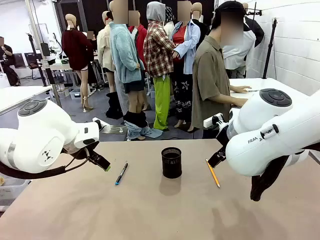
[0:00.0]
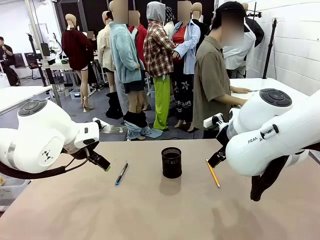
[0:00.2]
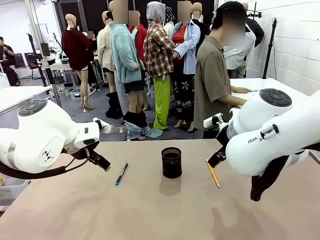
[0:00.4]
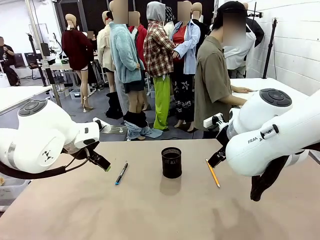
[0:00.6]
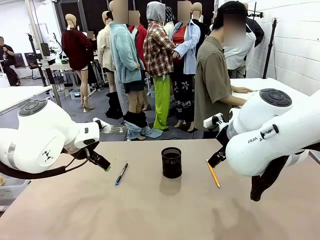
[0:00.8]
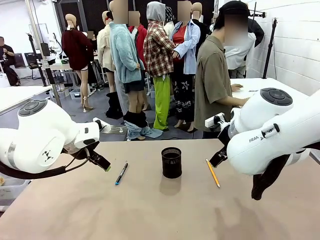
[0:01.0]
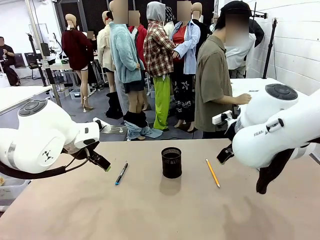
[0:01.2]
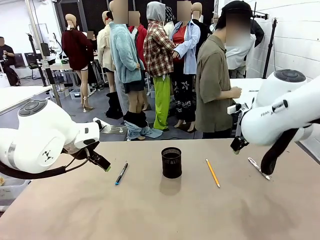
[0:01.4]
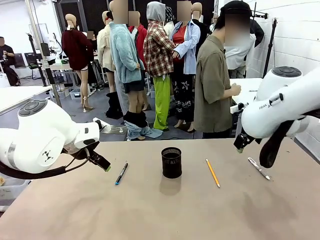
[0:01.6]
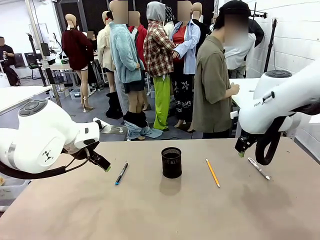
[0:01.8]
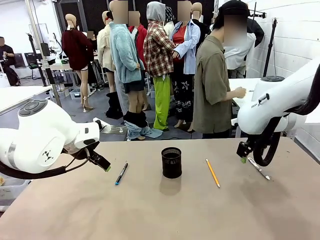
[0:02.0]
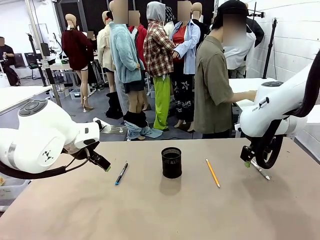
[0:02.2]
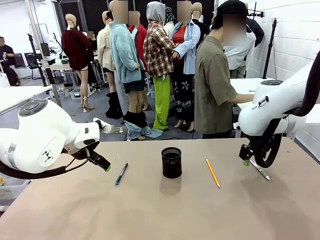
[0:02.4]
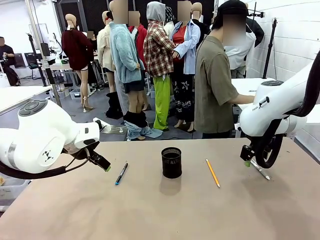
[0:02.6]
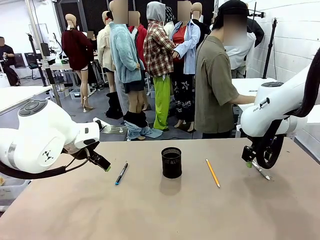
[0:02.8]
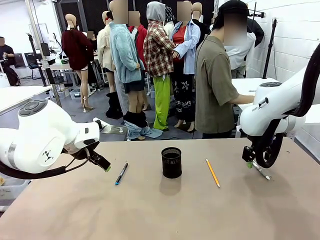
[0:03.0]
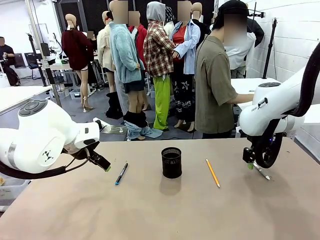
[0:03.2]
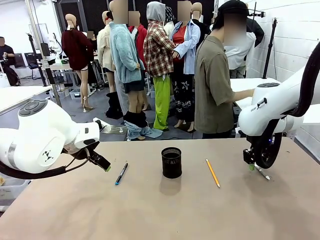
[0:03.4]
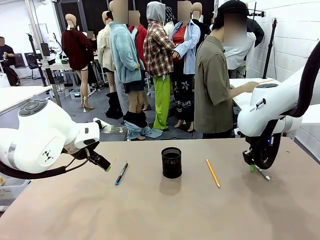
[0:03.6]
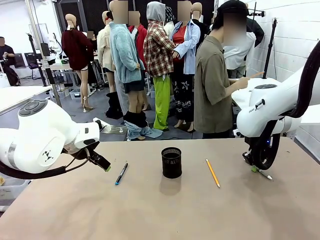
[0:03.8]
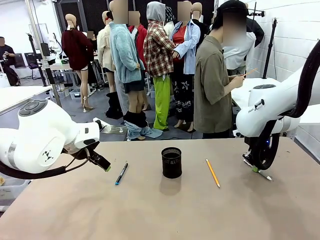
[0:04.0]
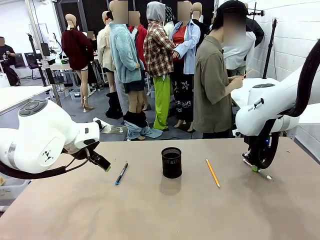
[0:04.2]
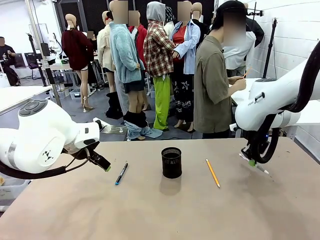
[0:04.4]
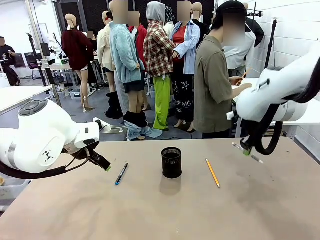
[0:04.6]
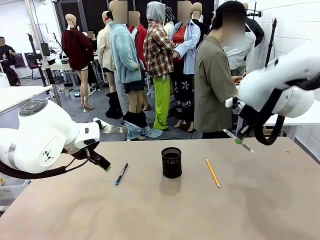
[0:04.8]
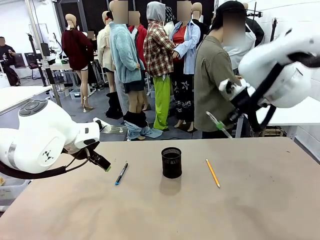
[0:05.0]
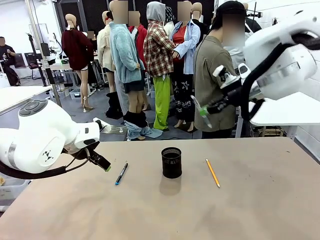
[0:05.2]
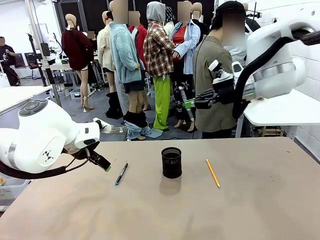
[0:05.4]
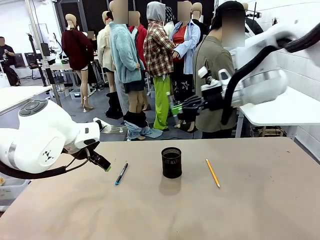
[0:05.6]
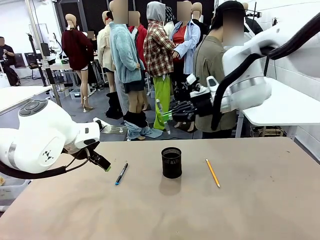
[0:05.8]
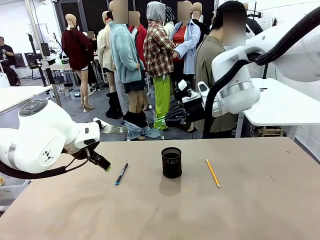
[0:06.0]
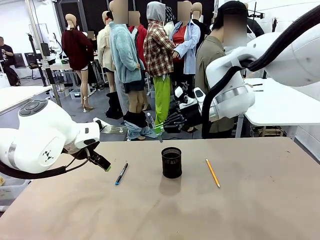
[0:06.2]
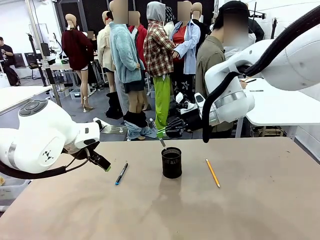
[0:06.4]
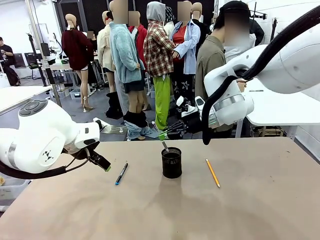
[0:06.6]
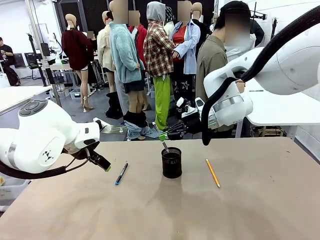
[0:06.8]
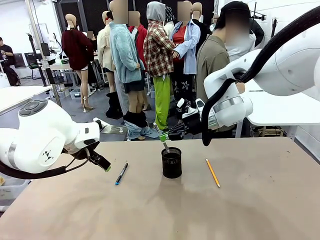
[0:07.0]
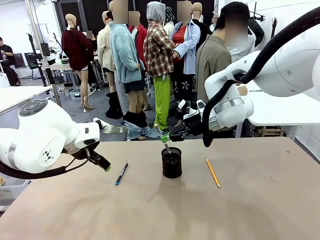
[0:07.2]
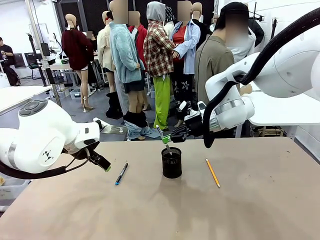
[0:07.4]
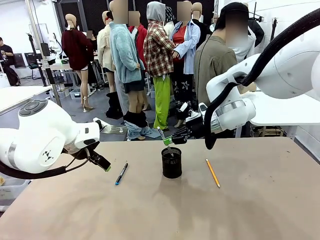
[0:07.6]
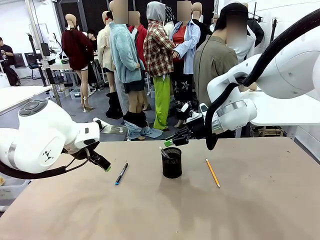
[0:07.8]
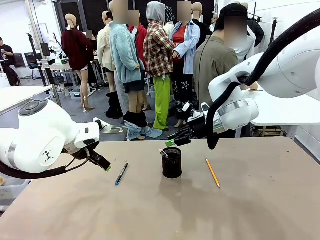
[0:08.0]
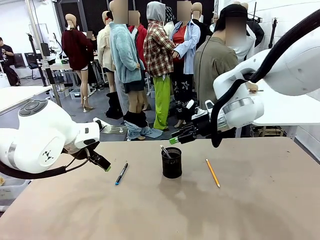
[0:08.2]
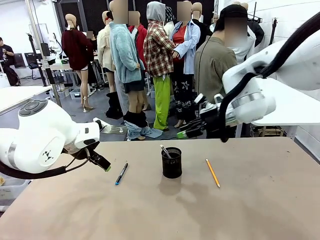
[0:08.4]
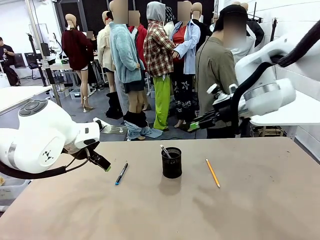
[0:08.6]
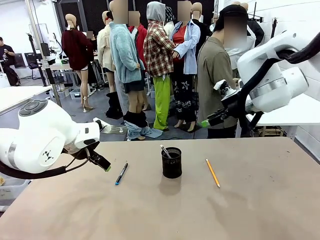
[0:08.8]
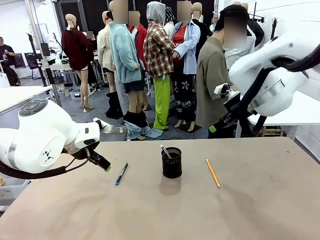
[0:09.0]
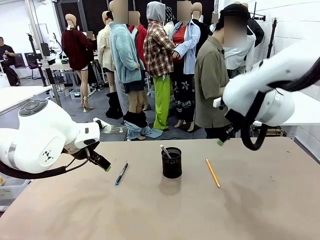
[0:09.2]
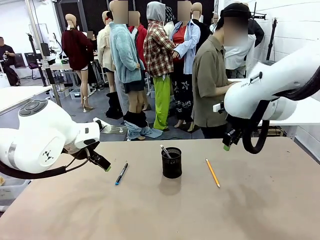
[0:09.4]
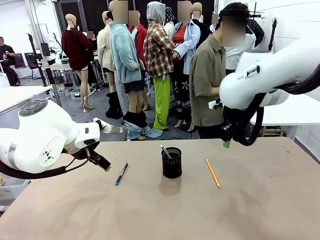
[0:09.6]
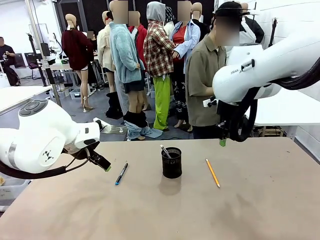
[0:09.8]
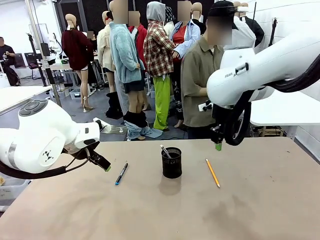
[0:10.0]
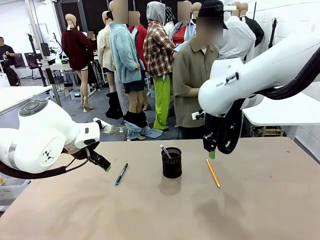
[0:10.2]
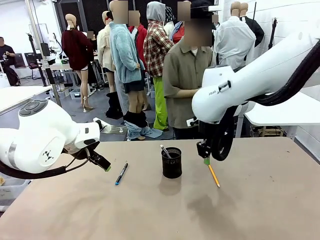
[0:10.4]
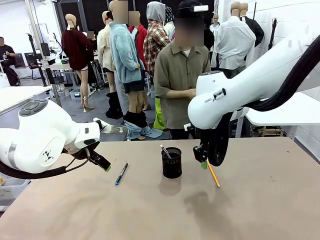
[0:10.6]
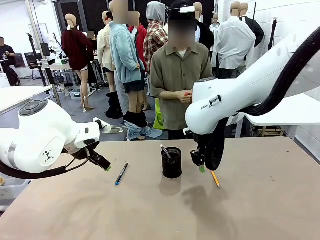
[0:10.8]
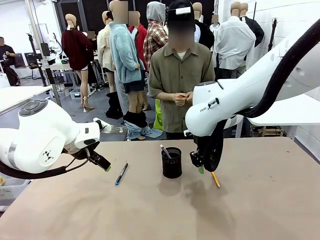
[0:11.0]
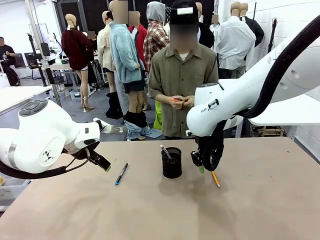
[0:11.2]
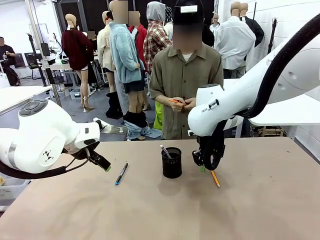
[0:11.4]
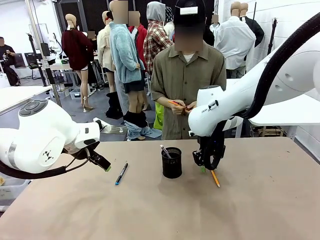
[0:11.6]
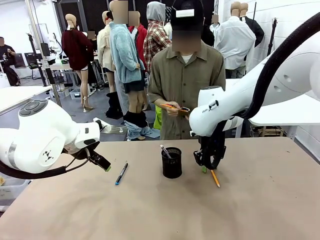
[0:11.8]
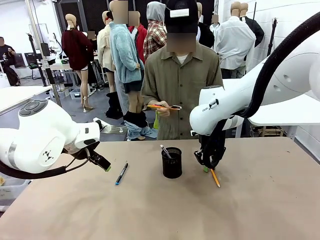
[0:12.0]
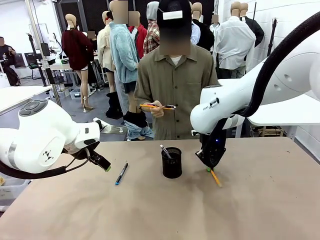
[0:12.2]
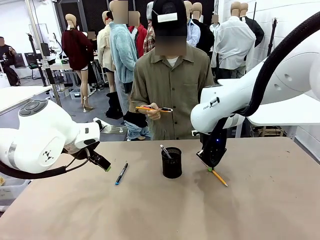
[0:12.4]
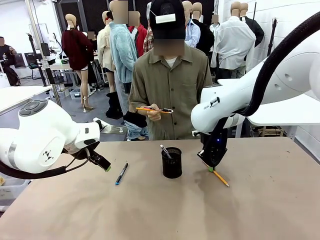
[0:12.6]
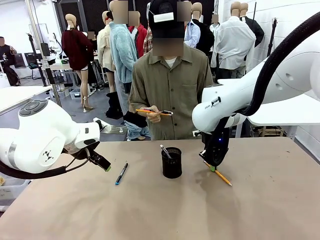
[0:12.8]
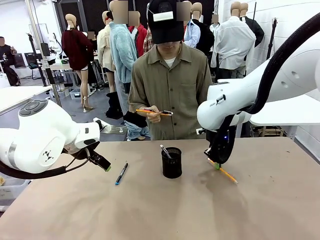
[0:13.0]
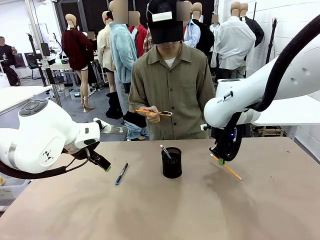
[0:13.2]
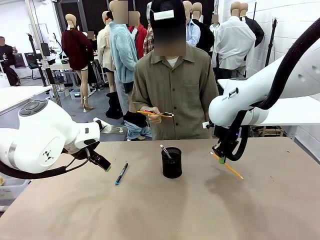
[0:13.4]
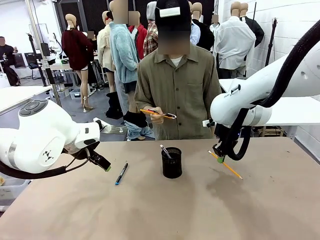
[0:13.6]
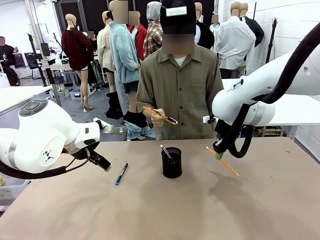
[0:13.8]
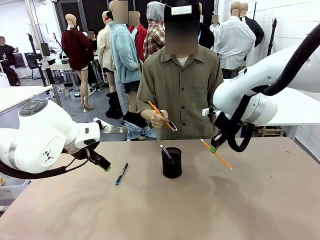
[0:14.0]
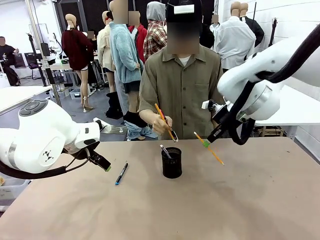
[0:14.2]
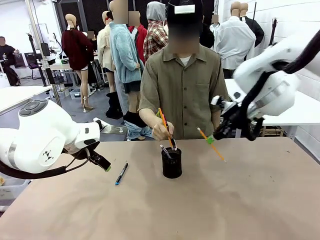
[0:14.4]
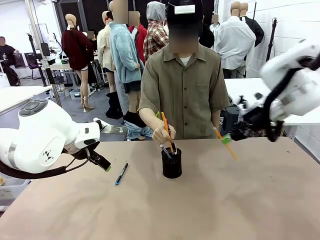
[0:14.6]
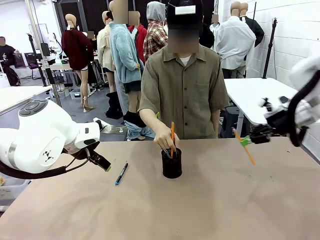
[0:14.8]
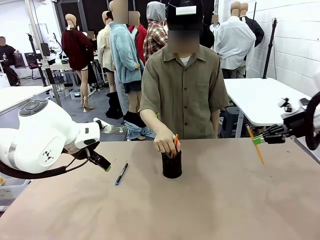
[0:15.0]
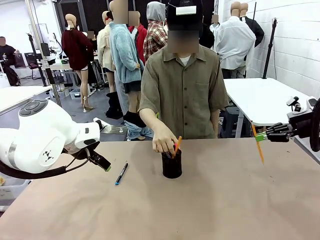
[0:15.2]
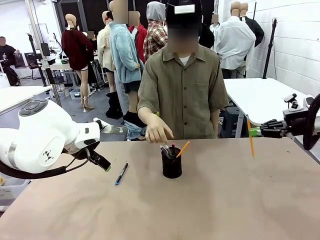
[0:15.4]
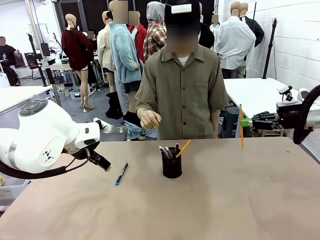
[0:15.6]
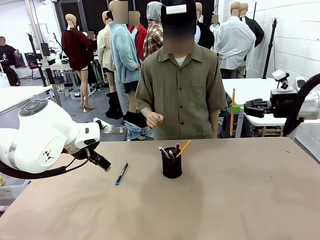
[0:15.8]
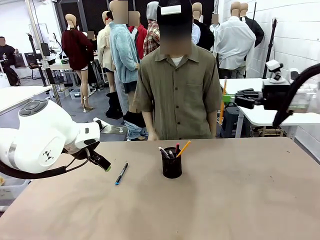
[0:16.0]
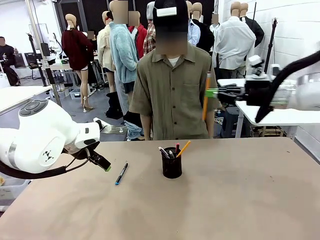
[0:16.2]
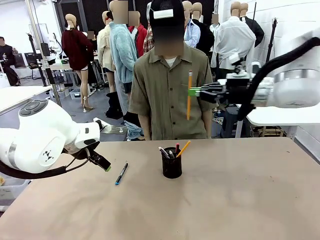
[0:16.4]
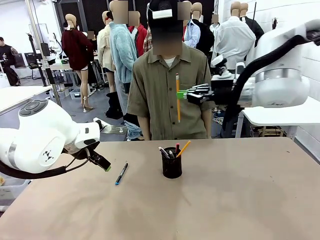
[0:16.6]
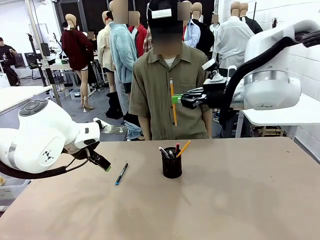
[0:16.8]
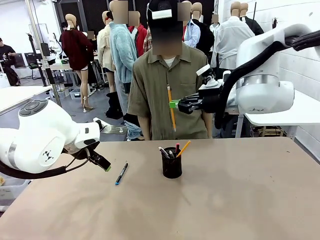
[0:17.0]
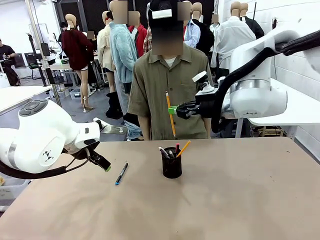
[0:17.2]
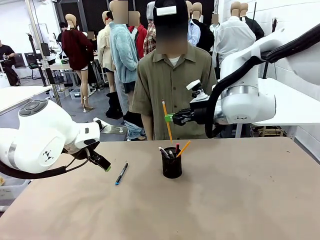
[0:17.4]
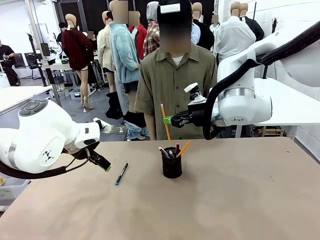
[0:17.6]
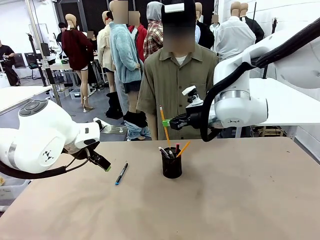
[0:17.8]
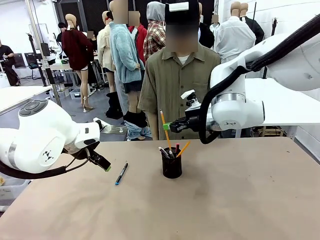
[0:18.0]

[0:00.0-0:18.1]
Task: Place the pens into the pen holder.
Robot: Pick up a writing instrument from the table and place it into the Pen holder.
Person: Pick up all writing instruments from the Human table.
